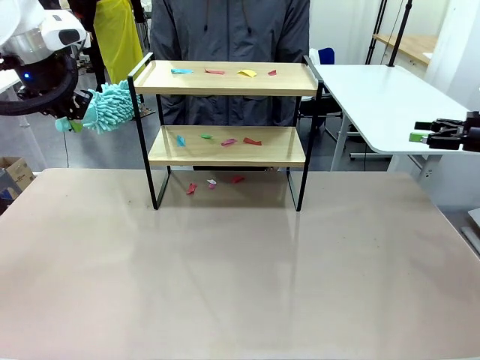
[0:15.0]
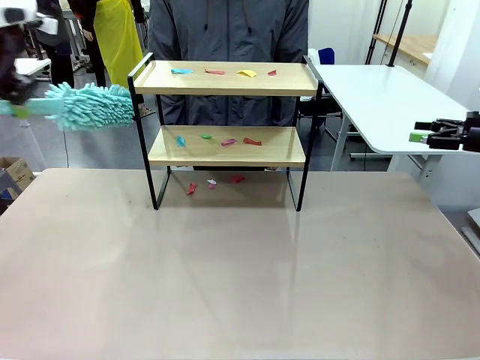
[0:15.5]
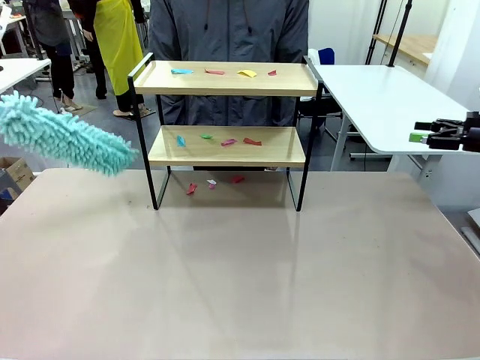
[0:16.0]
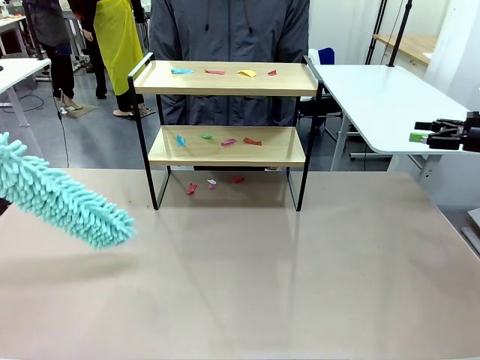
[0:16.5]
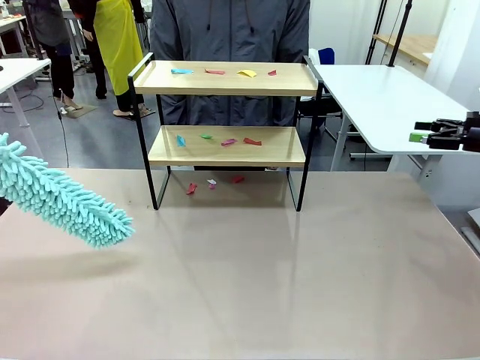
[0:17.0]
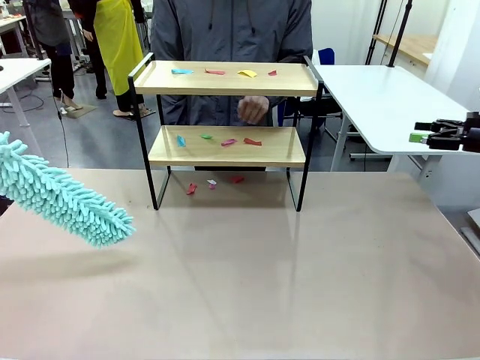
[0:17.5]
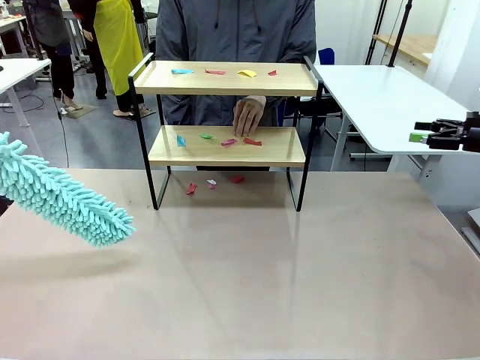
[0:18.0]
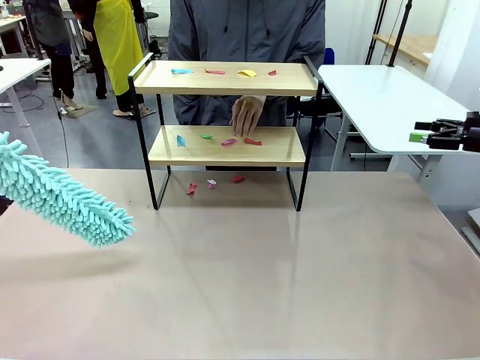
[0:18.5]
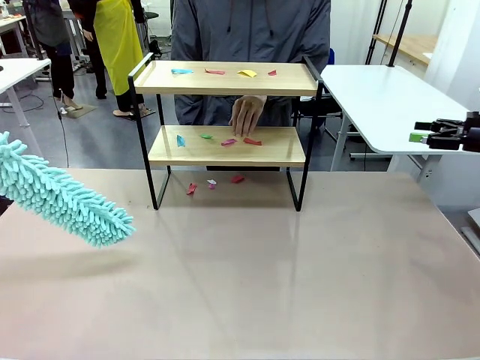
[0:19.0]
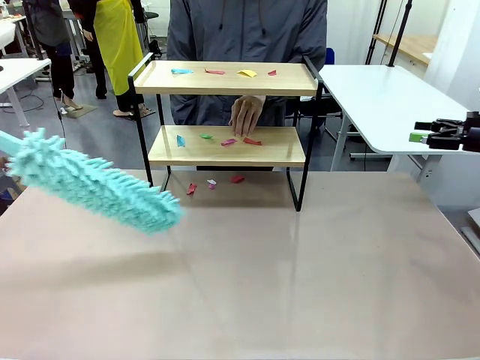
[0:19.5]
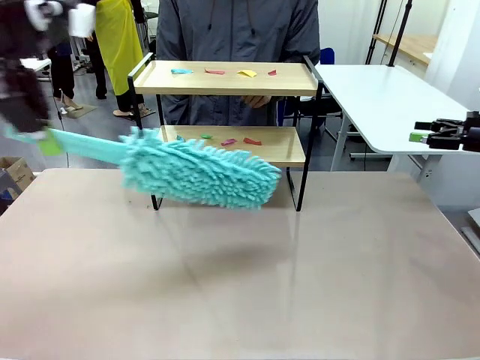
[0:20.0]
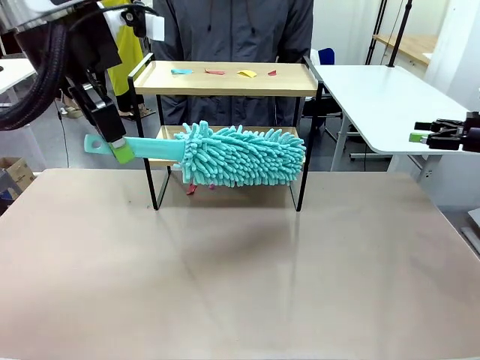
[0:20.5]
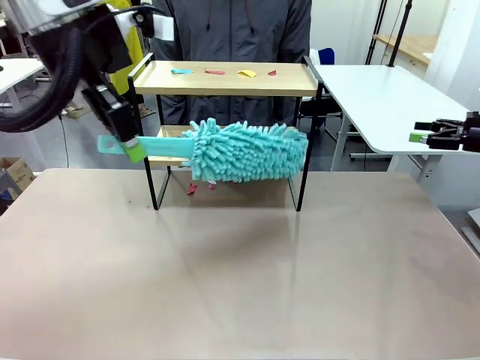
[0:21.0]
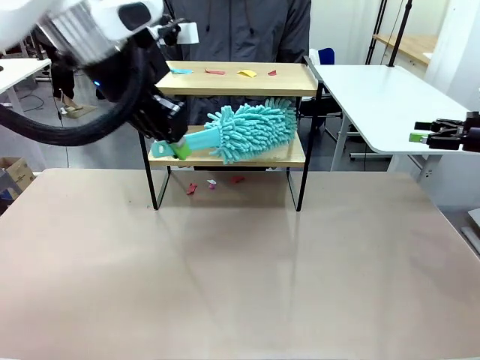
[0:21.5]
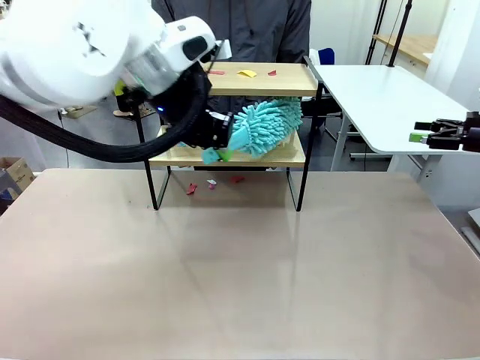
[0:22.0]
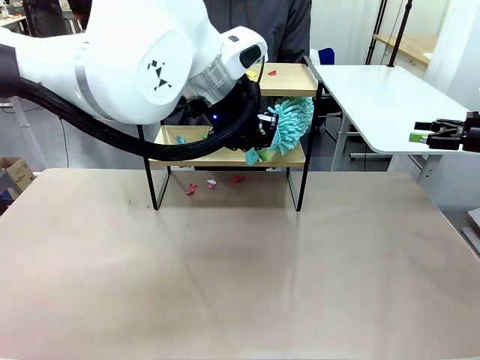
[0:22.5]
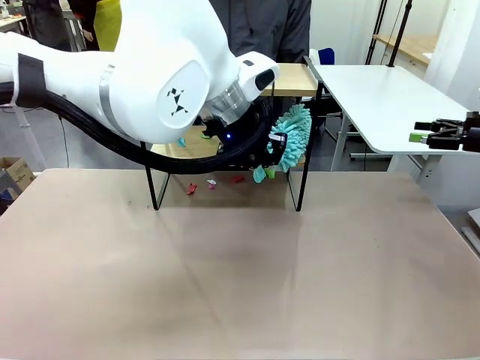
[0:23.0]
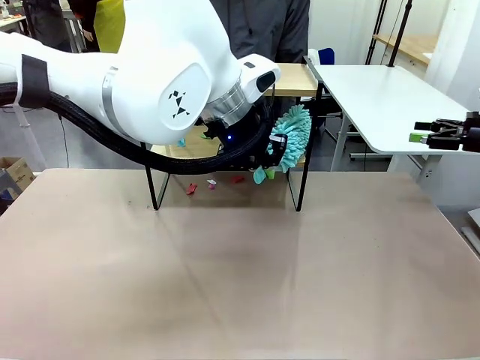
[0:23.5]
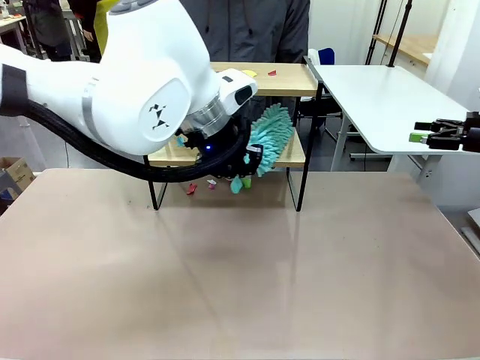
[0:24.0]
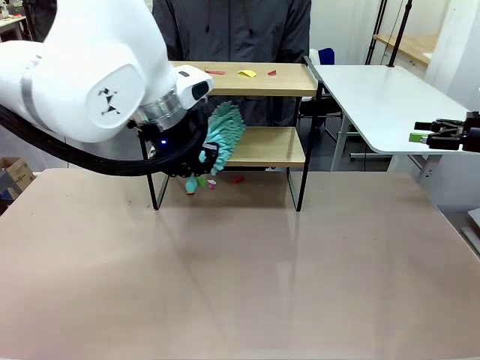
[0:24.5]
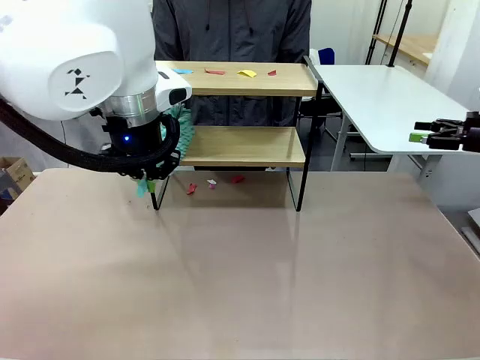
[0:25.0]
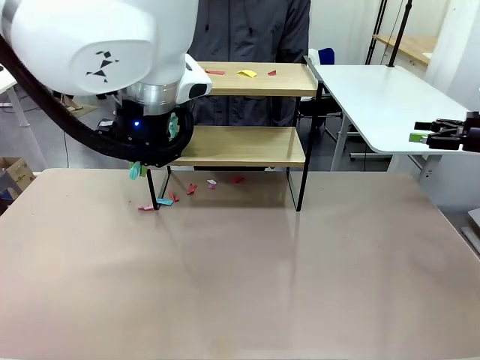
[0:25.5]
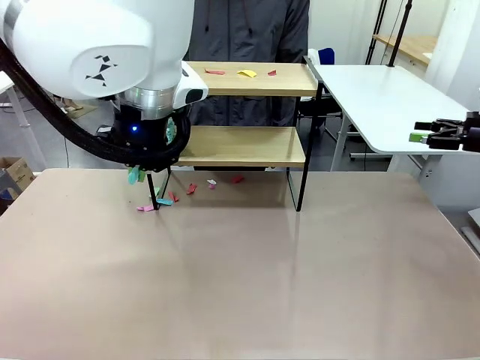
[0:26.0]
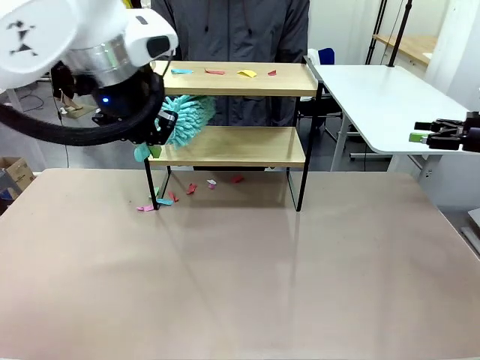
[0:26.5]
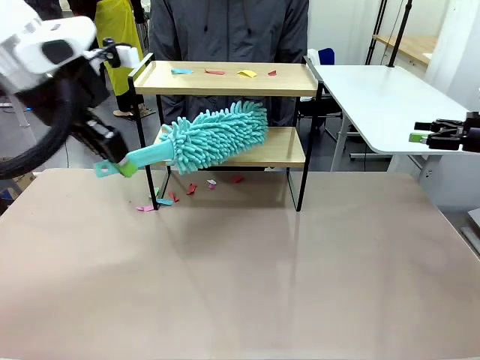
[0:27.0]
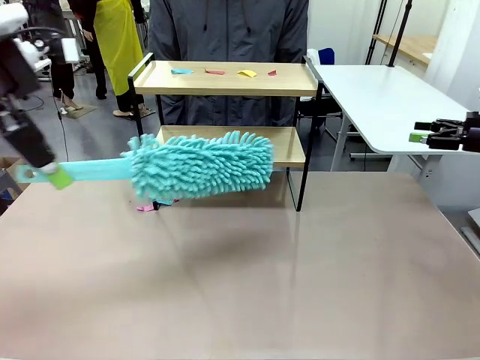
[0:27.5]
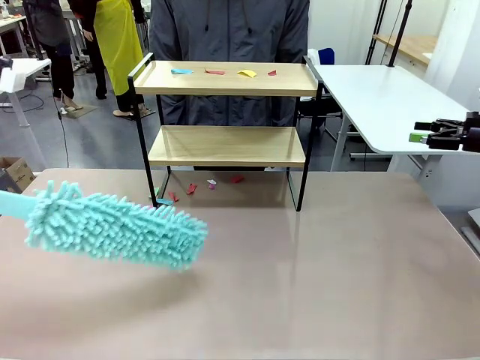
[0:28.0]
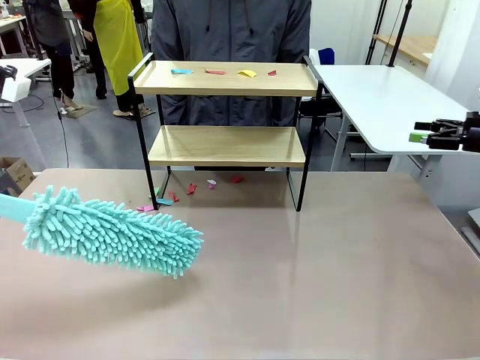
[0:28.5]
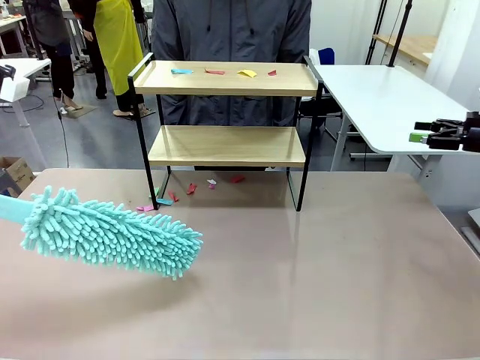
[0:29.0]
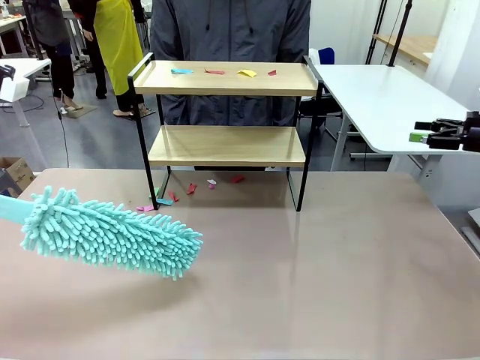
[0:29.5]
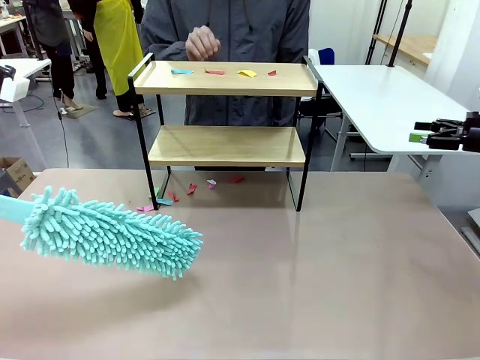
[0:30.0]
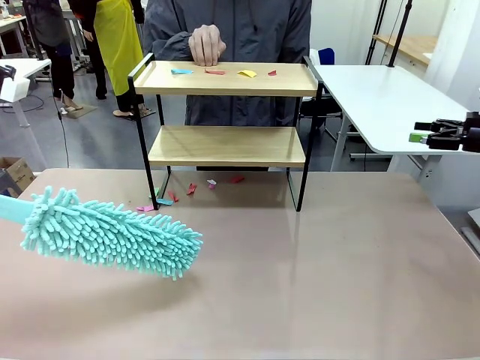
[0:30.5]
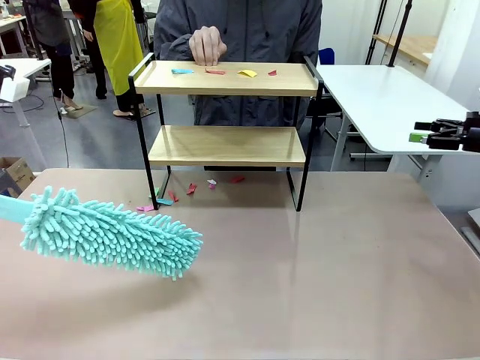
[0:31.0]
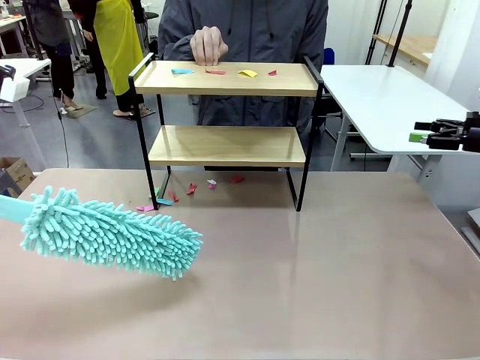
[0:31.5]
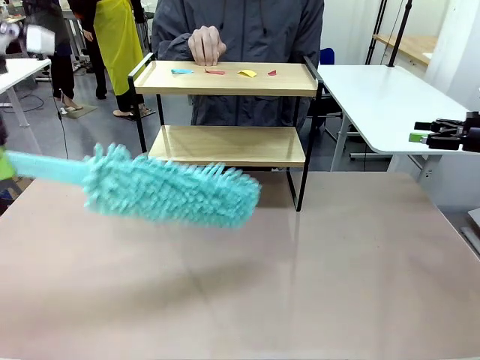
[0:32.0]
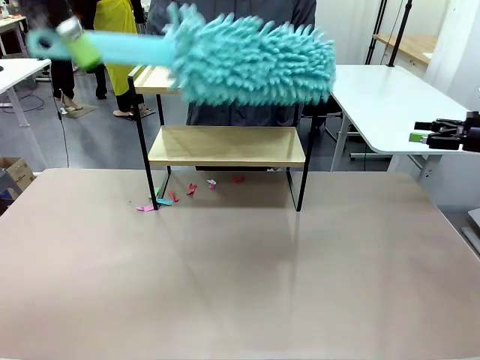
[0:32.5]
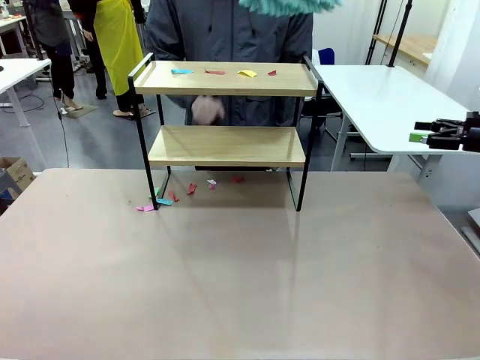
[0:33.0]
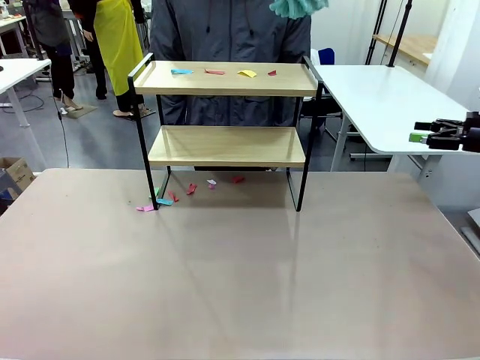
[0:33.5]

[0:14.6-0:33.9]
Task: Clean the shelf.
Robot: Clean the specific section of the Shelf indicated by the human with the Duster.
Person: Point a random section of the Shelf.

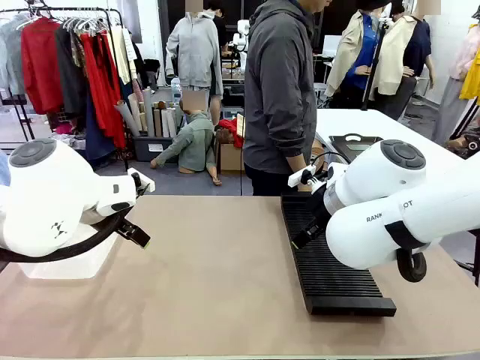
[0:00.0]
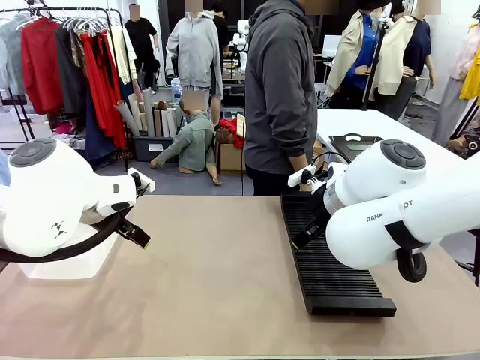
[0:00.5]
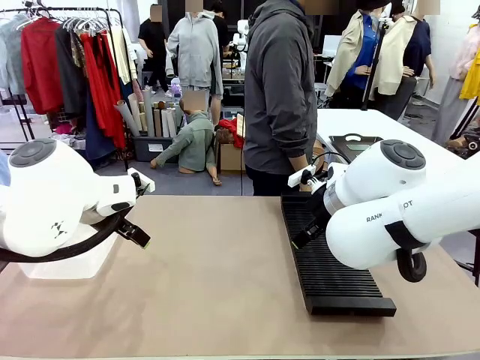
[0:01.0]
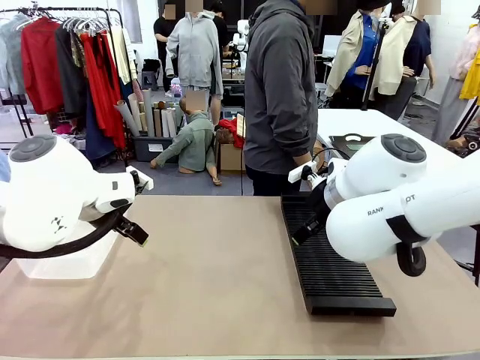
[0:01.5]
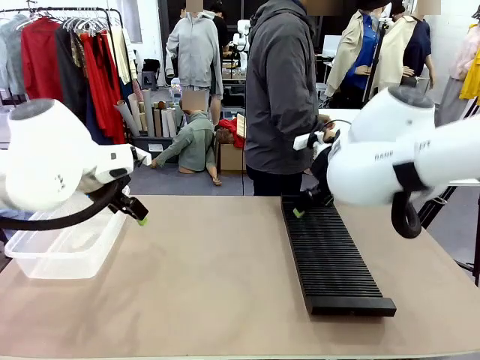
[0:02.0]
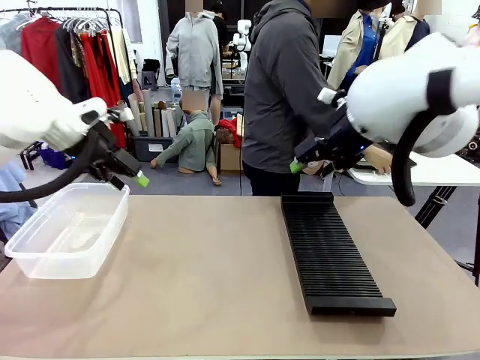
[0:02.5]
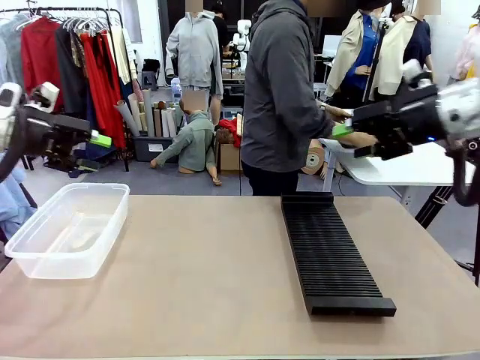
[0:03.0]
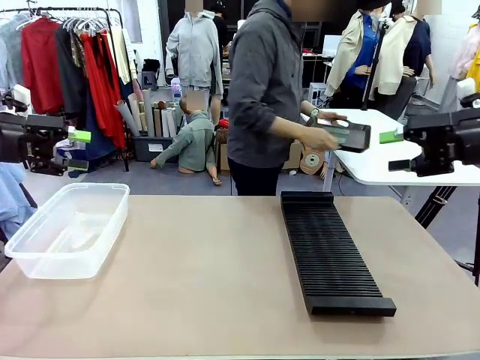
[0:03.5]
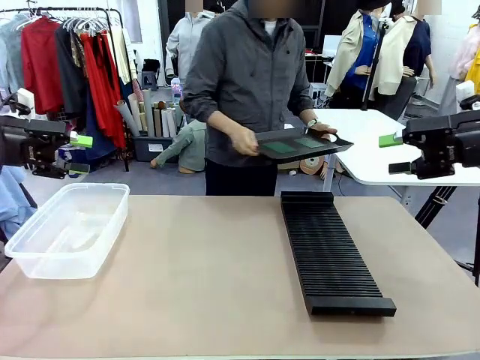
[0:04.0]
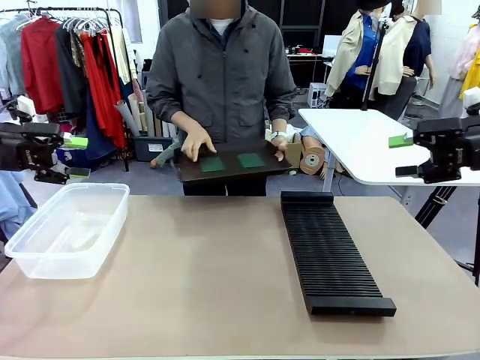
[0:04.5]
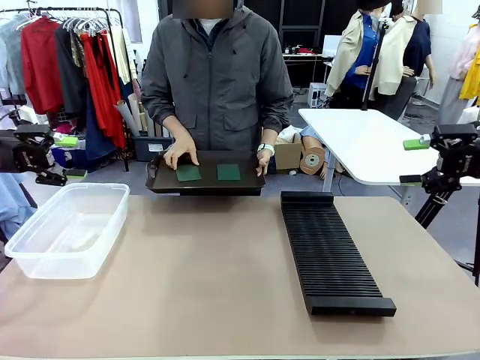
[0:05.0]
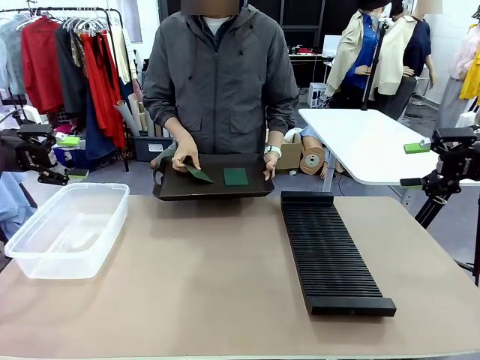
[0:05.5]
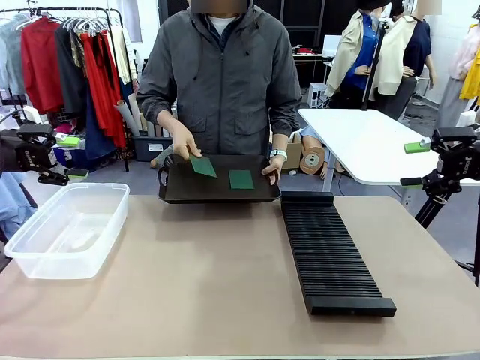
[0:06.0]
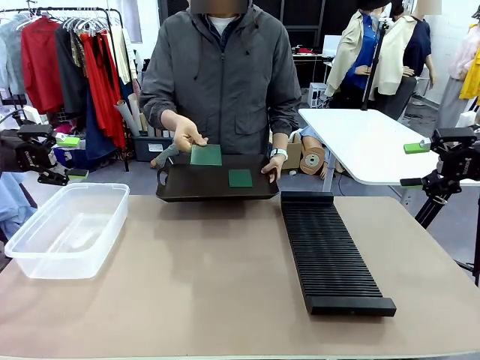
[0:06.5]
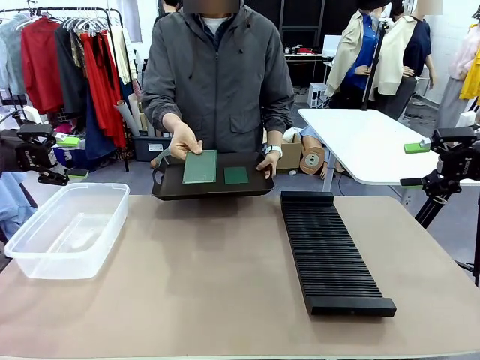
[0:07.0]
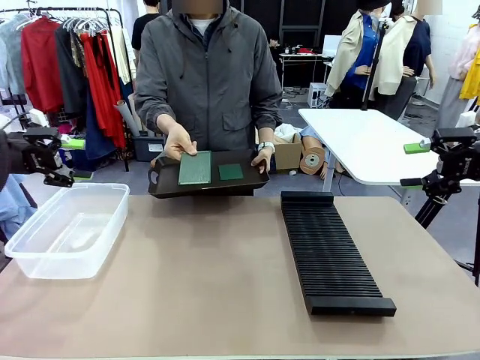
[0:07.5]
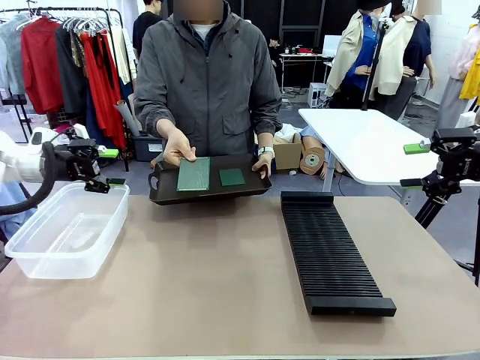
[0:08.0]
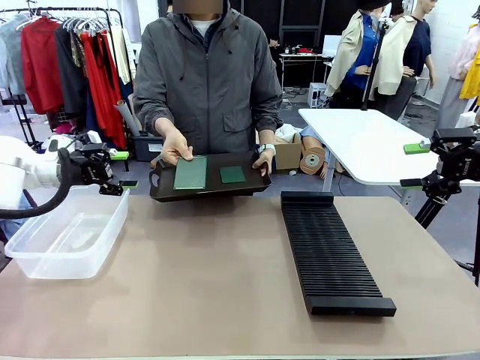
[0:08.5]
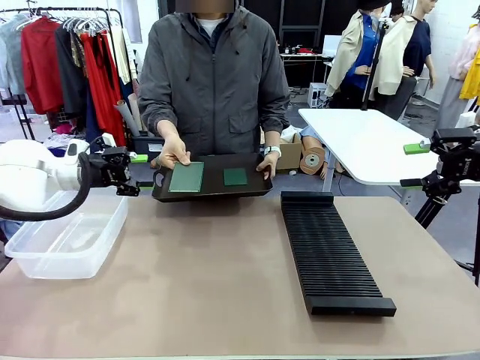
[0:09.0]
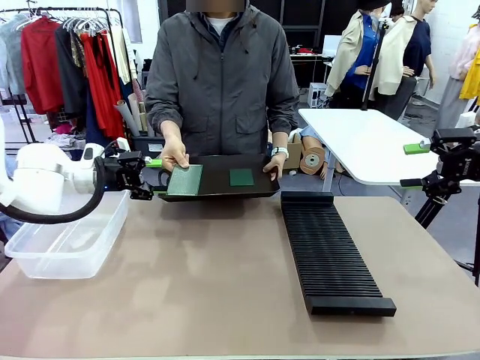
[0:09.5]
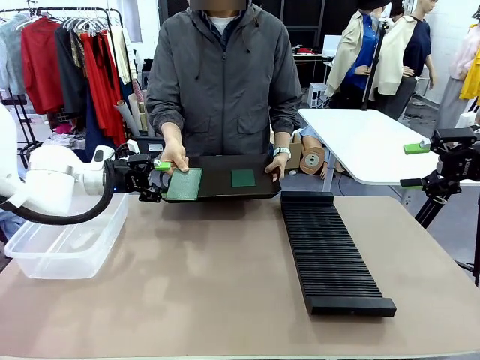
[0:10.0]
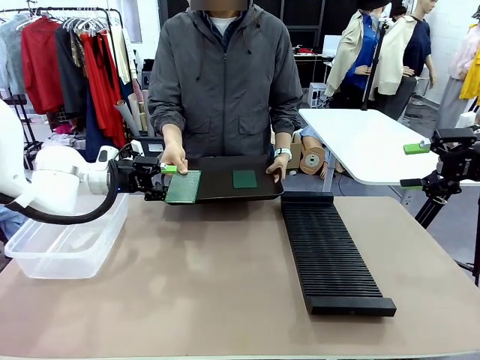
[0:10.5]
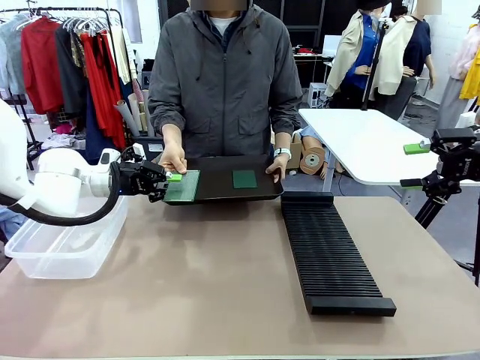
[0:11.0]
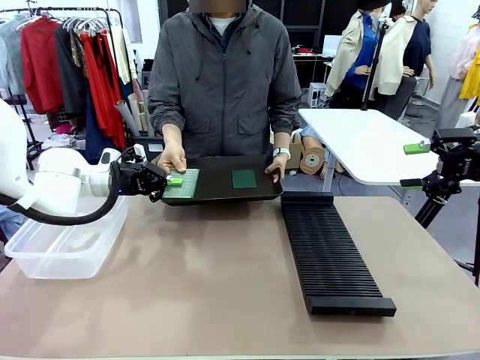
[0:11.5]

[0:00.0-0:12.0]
Task: Sort PCBs into racks and boxes based on the side picked up.
Robot: Pick up the Blank PCB handed by the Human.
Person: Pick one PCB from the tray and present it to the robot. Release the PCB being held.
